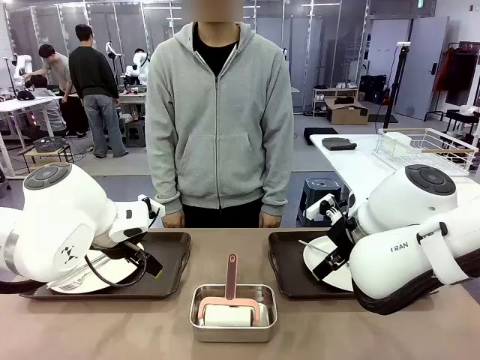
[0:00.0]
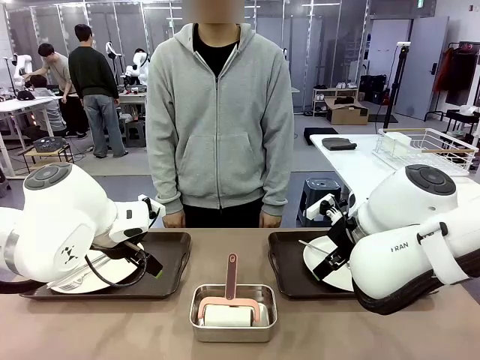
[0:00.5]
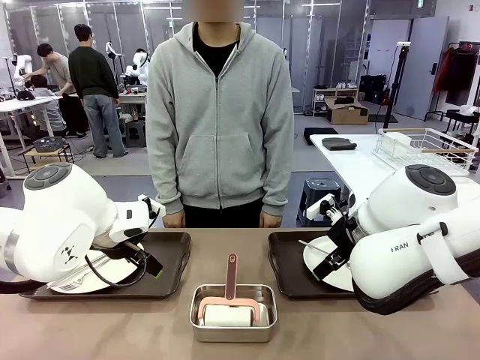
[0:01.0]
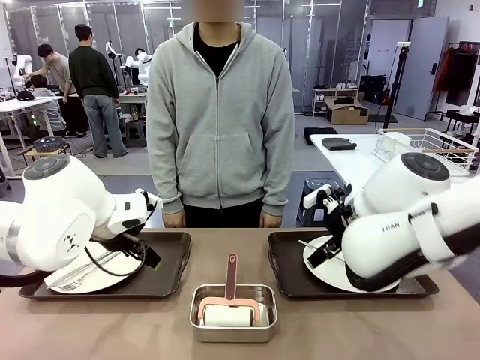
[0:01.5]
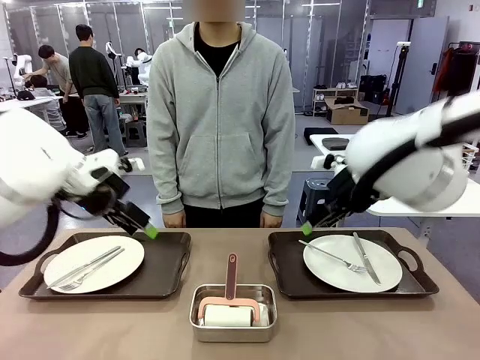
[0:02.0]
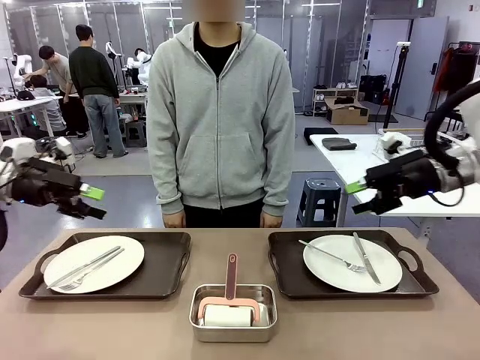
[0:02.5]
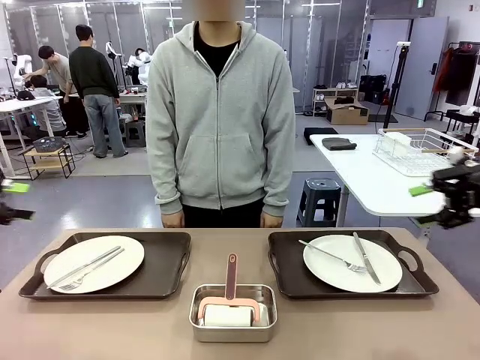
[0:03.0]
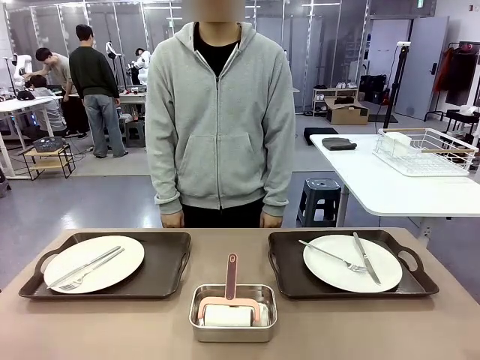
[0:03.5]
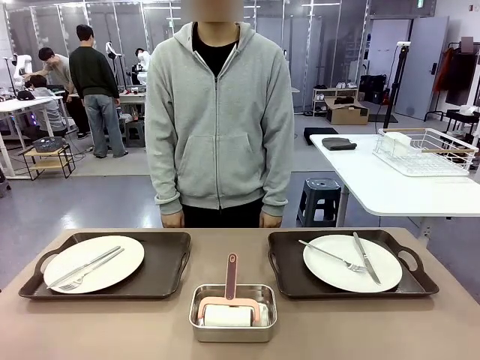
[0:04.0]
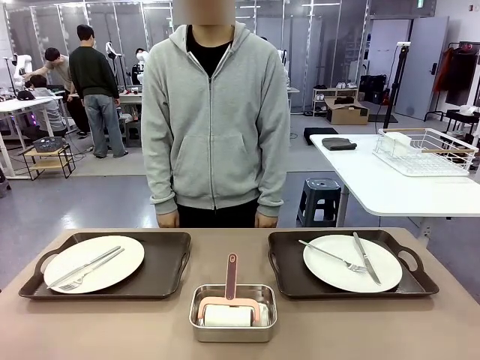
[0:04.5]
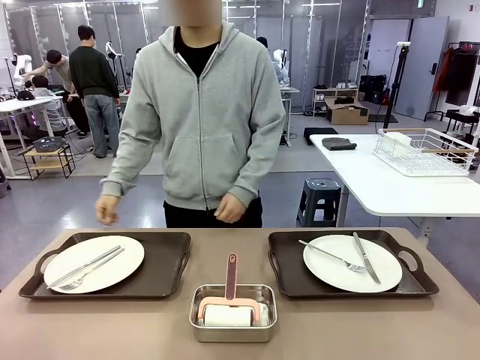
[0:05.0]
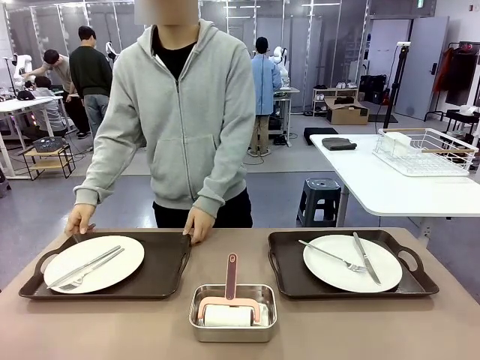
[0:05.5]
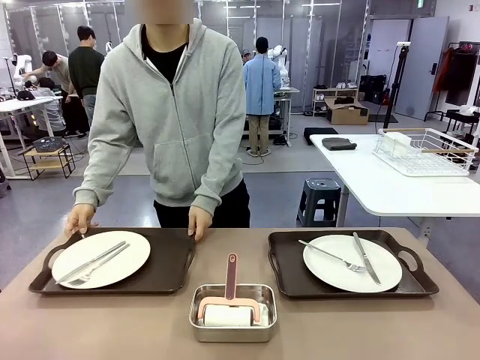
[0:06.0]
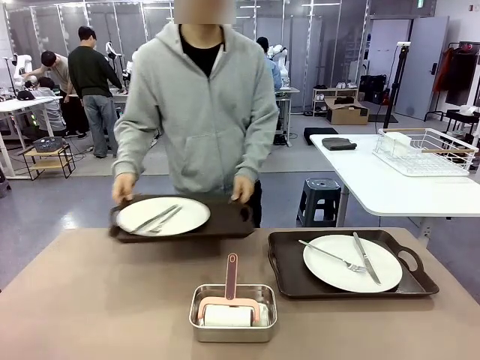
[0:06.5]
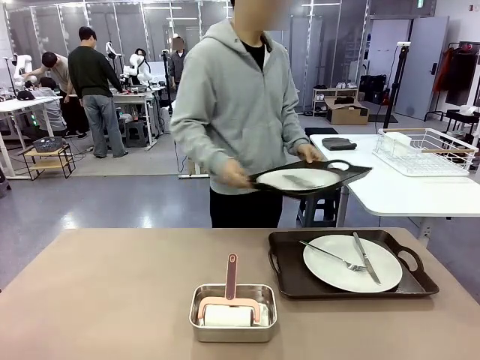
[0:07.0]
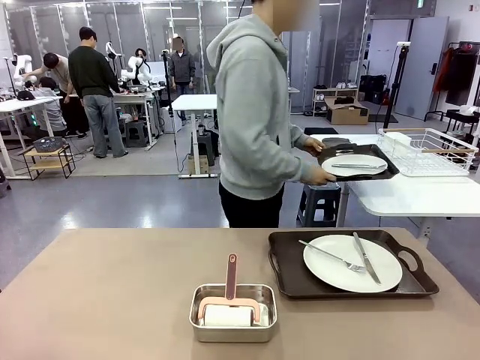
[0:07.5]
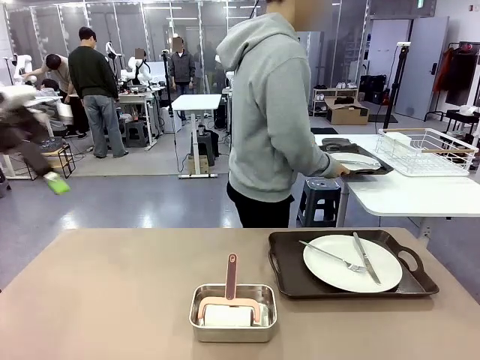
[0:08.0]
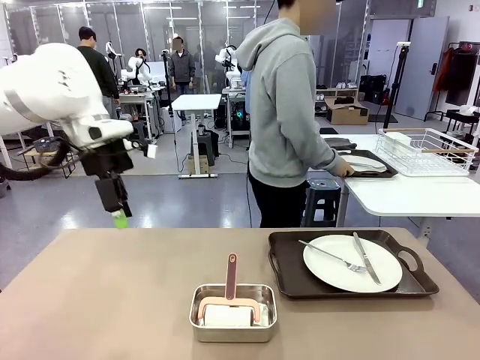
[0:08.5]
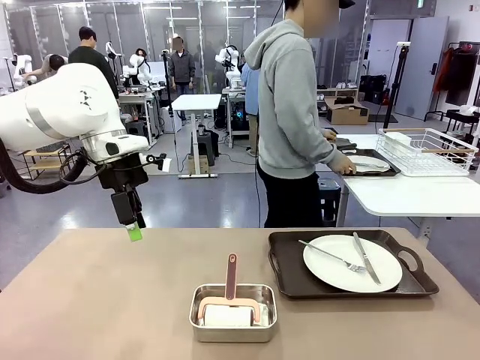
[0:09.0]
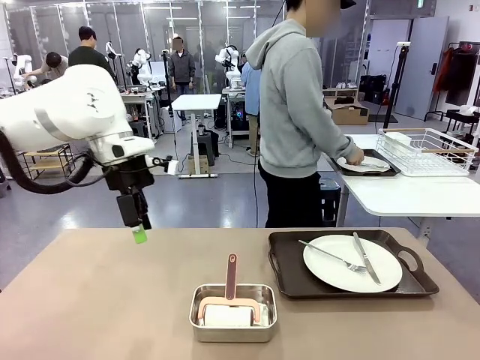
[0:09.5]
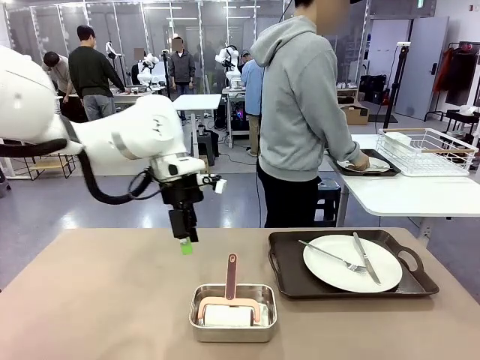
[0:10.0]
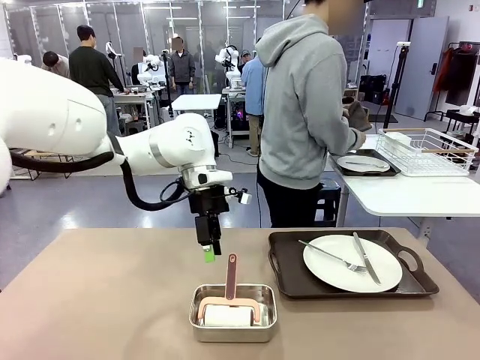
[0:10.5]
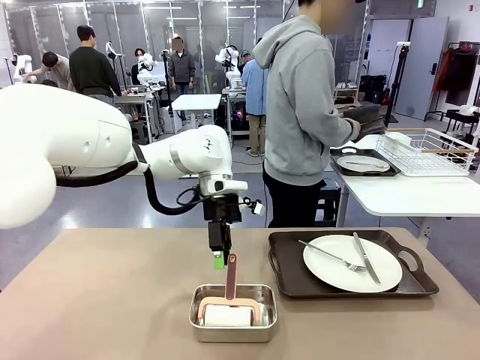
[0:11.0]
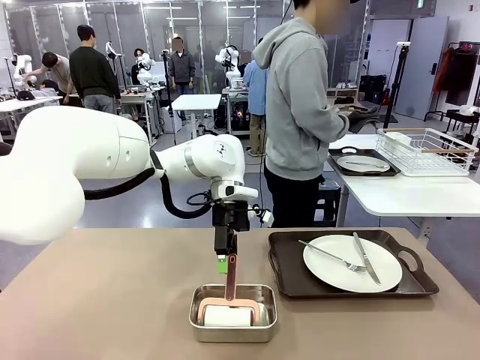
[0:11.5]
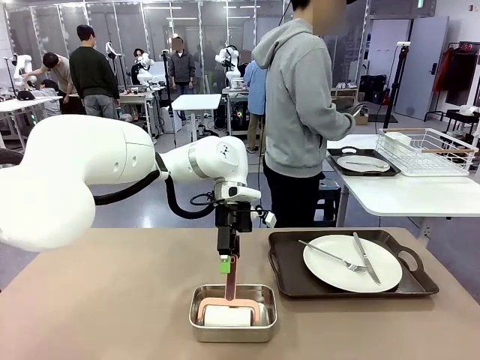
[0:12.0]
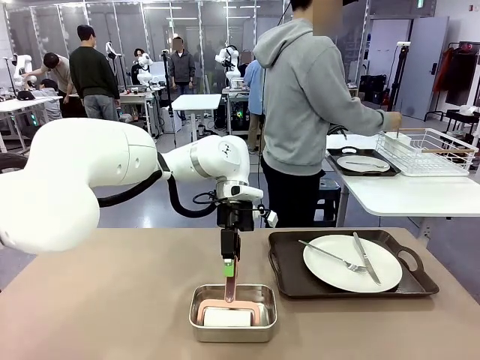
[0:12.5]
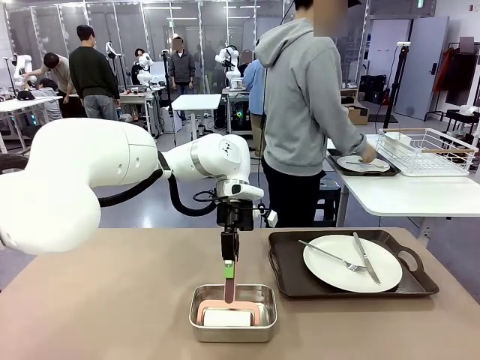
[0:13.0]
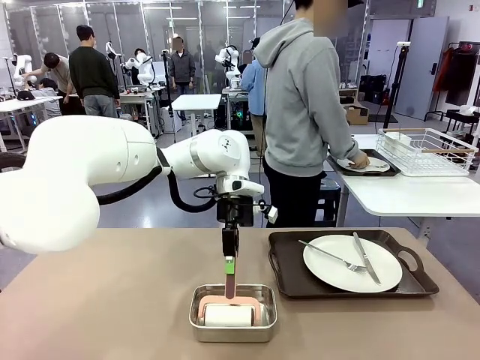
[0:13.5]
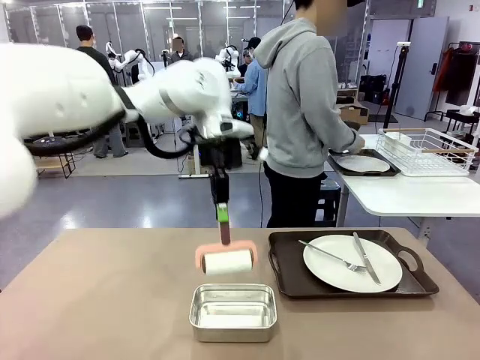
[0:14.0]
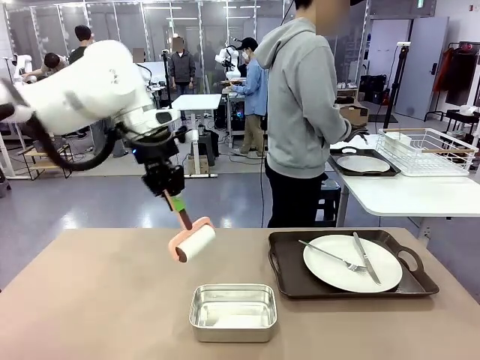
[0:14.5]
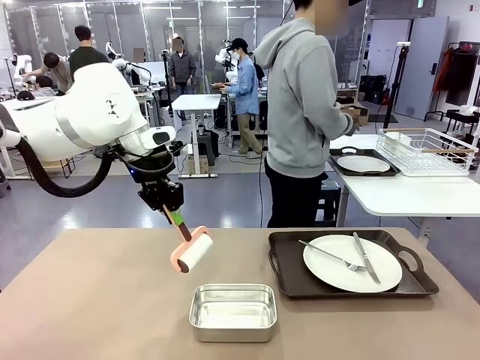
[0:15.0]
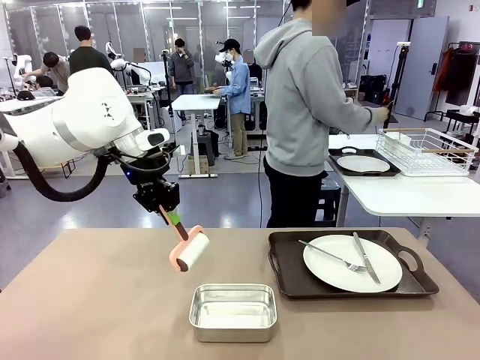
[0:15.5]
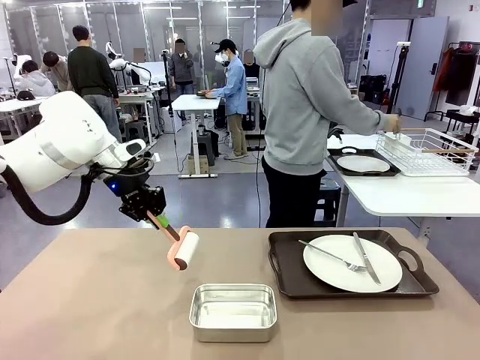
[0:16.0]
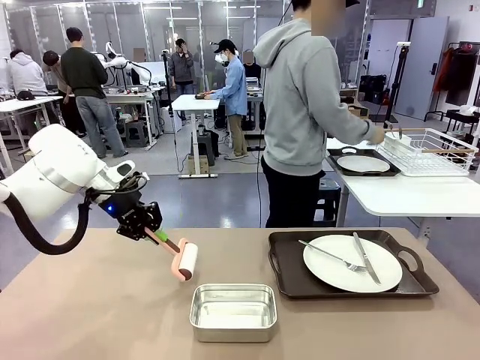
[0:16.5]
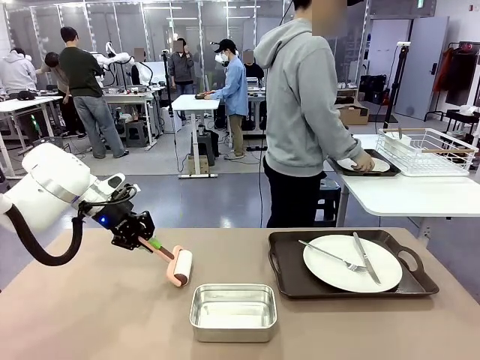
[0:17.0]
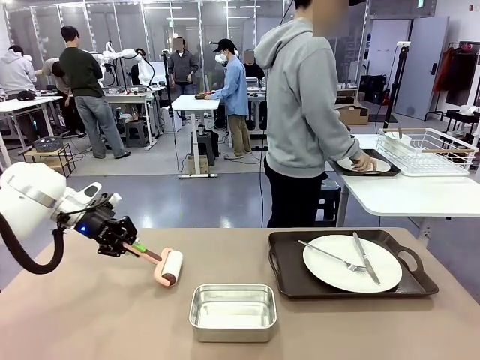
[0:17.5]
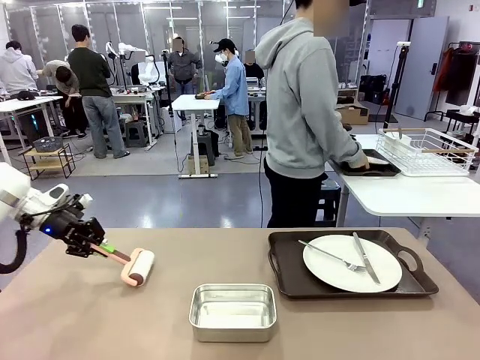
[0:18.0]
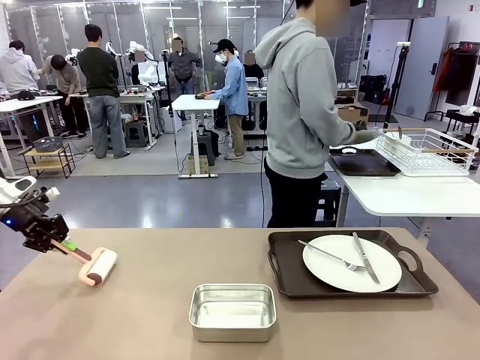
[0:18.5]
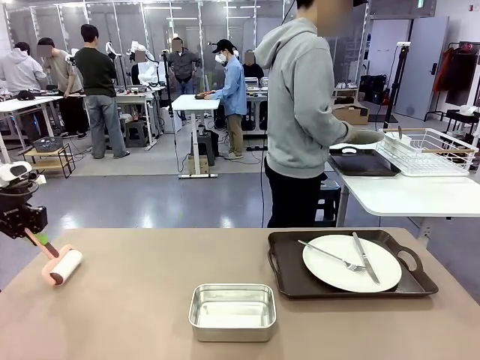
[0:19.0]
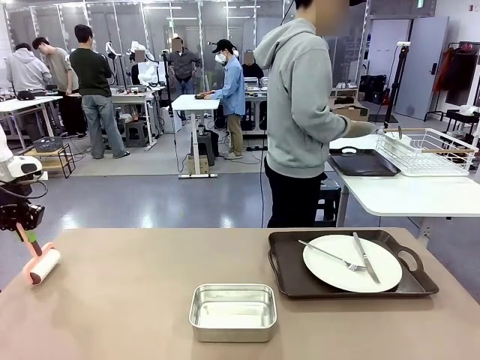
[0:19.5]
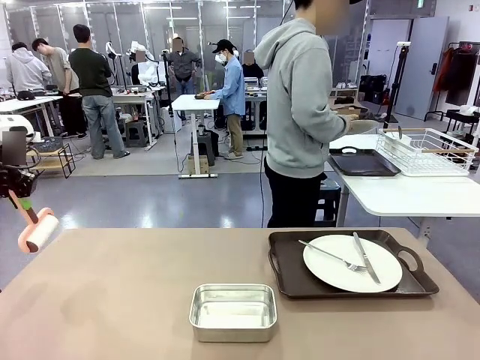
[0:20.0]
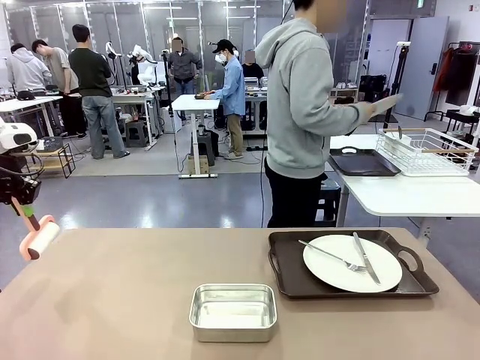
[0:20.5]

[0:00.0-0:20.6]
Robot: When the left (or right) Handle tray is removed, use the left hand (or right hand) to clean the left (or right) side of the table with the Lint Roller.
Person: Pick up the left (or right) Handle tray and place it on the middle of the Human's table. Use the Towel with hook to wipe the Plastic Matte Plate , Fork , and Knife and place into the Dish drying rack.

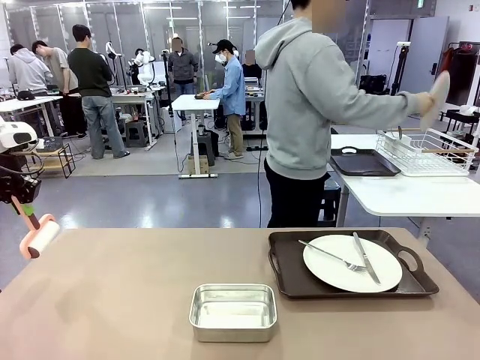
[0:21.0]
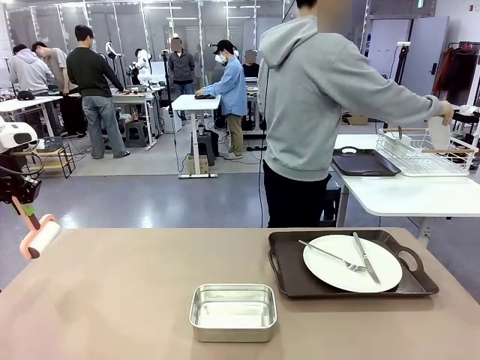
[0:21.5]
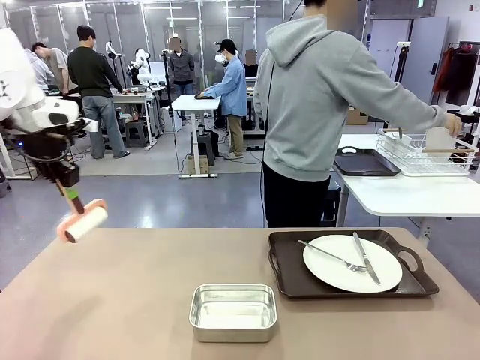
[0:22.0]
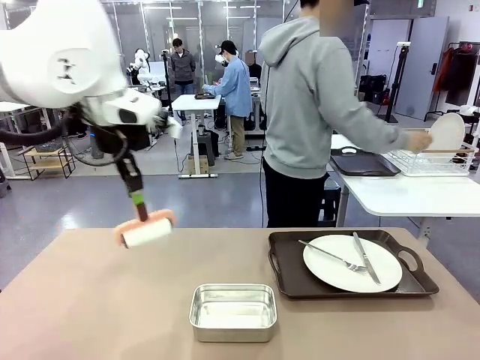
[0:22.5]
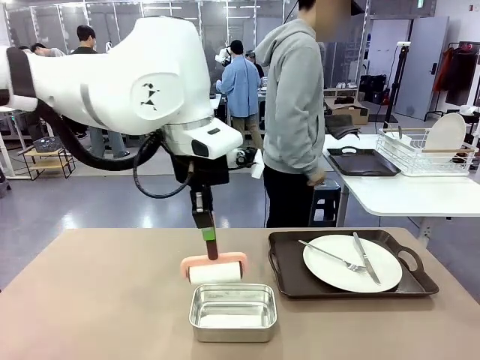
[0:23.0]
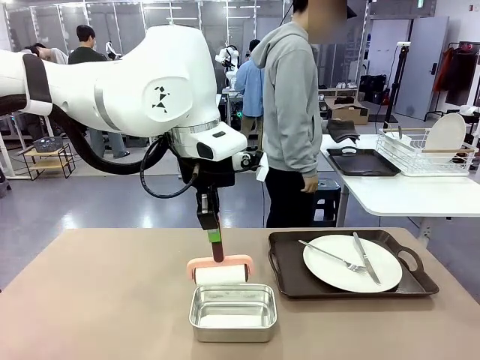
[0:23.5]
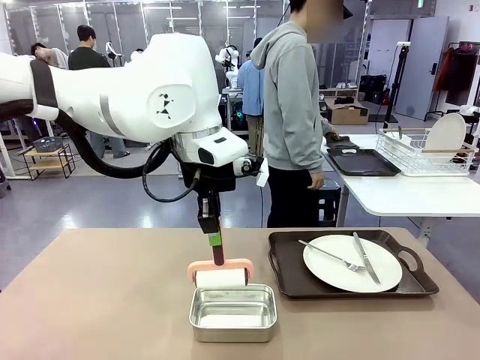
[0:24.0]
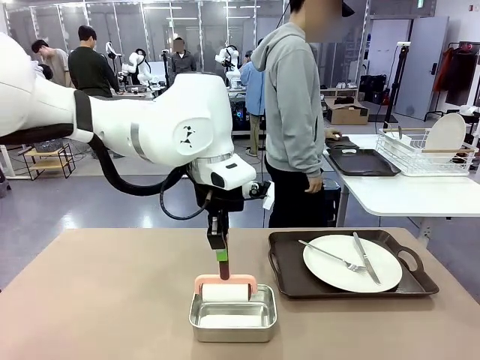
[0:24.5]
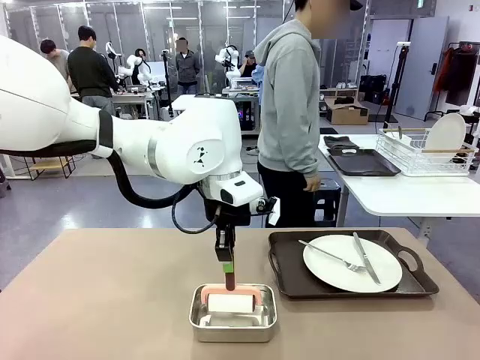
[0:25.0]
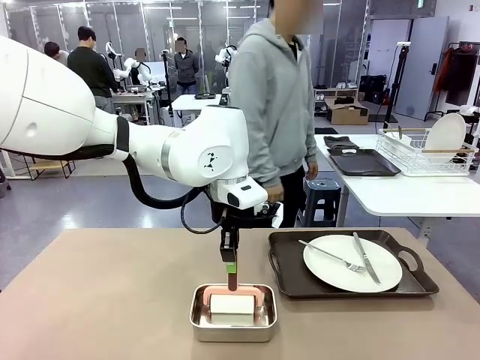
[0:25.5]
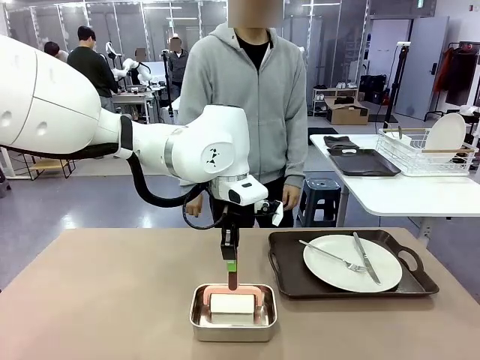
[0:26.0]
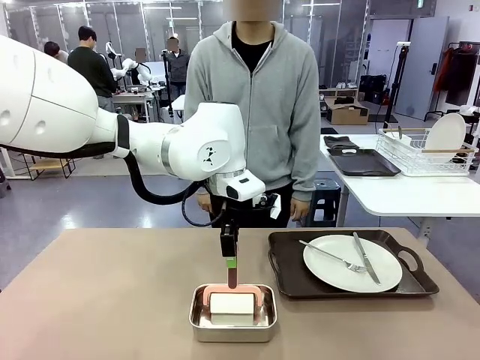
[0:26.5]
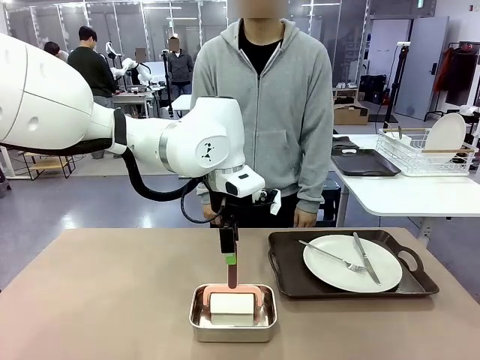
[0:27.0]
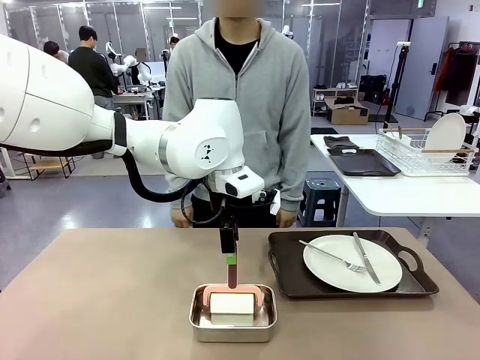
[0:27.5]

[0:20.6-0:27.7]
Robot: Place the Lint Roller back on top of the Airtight Container.
